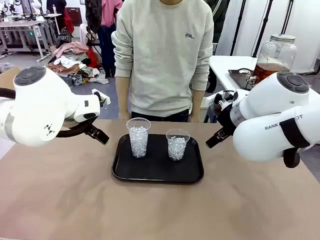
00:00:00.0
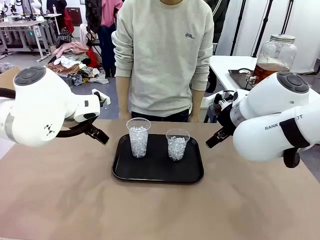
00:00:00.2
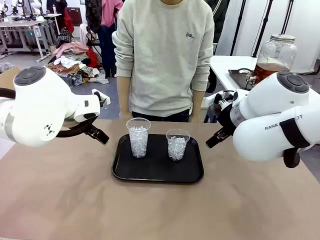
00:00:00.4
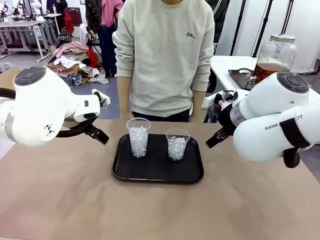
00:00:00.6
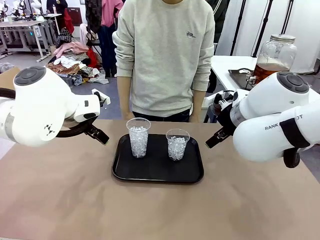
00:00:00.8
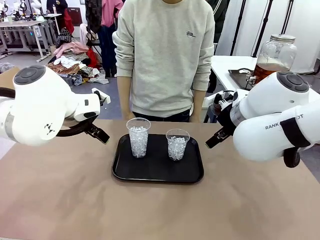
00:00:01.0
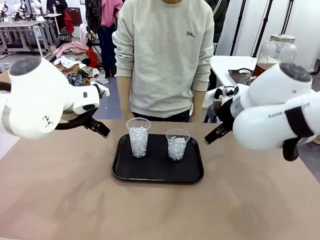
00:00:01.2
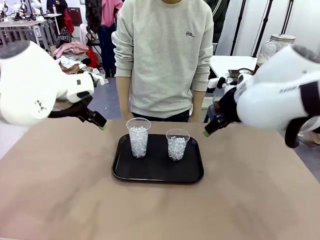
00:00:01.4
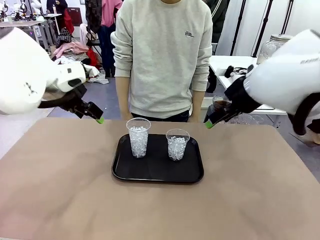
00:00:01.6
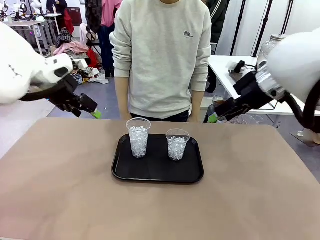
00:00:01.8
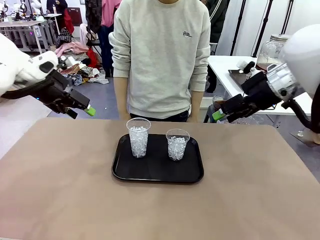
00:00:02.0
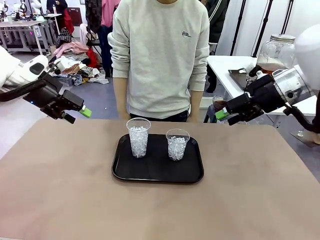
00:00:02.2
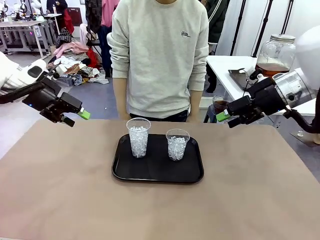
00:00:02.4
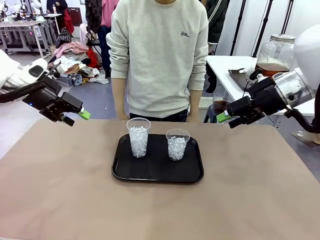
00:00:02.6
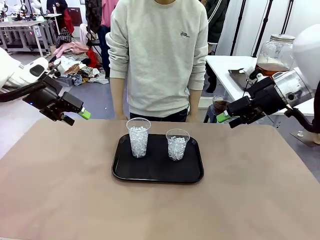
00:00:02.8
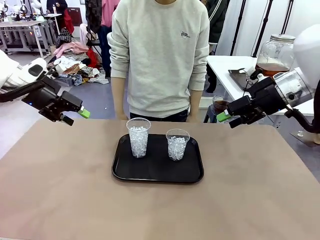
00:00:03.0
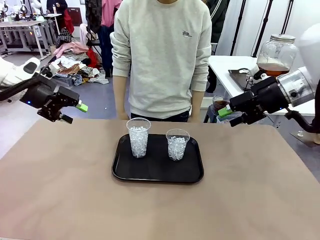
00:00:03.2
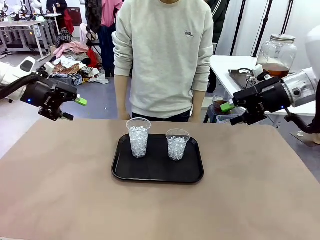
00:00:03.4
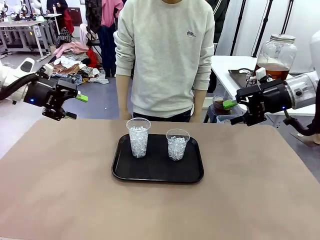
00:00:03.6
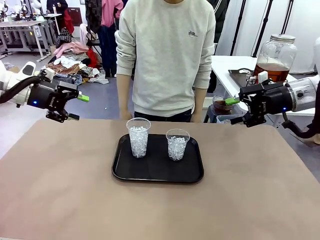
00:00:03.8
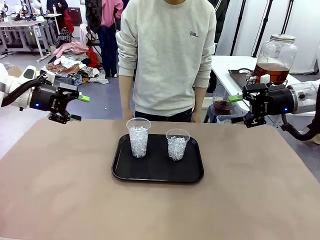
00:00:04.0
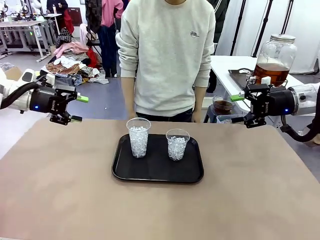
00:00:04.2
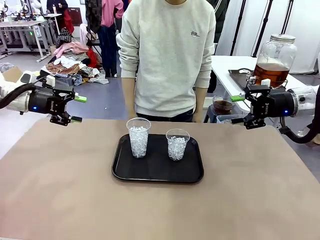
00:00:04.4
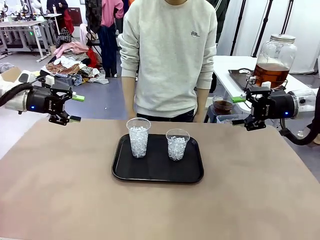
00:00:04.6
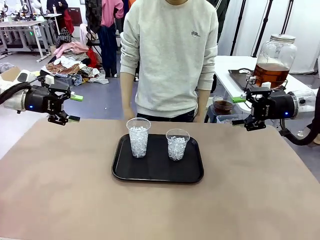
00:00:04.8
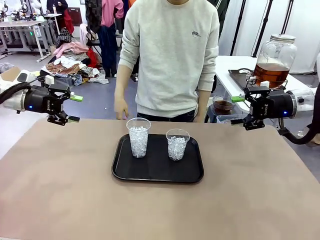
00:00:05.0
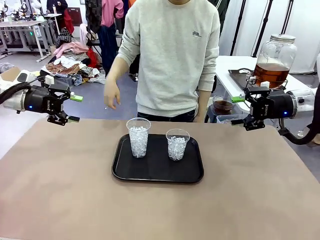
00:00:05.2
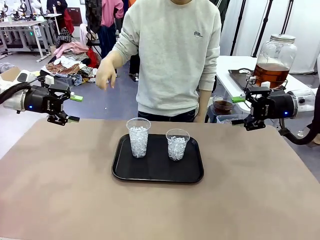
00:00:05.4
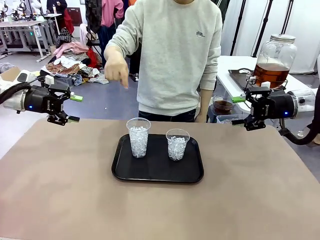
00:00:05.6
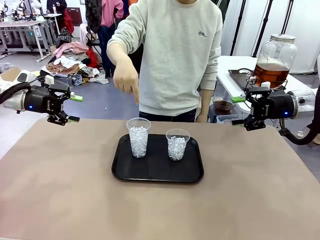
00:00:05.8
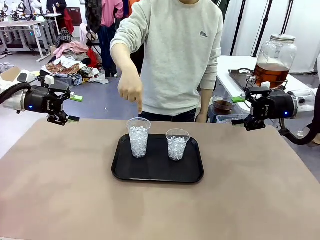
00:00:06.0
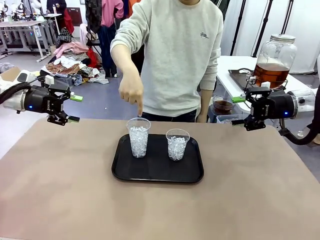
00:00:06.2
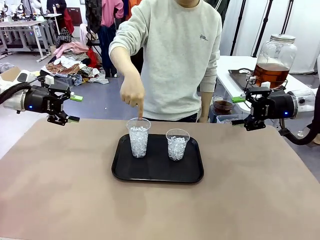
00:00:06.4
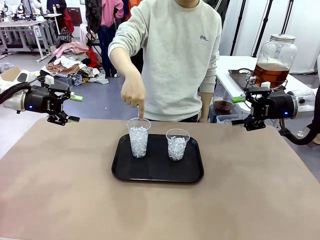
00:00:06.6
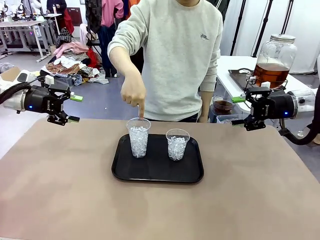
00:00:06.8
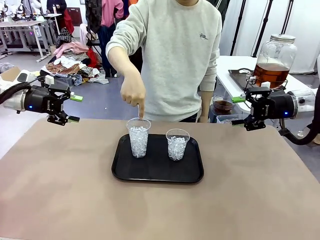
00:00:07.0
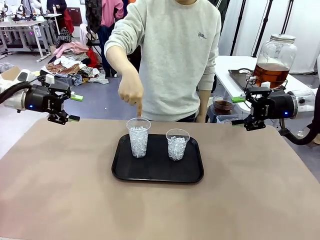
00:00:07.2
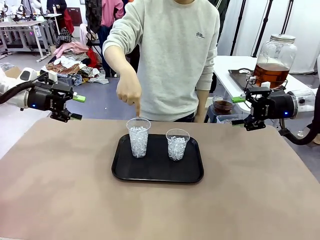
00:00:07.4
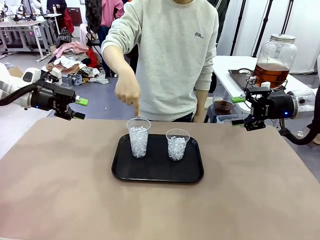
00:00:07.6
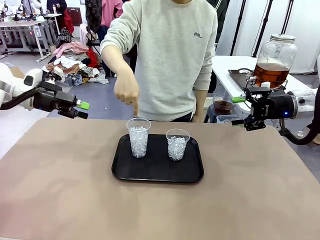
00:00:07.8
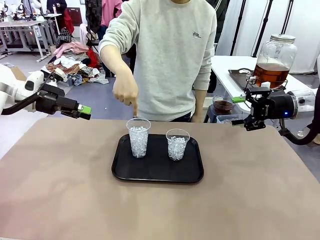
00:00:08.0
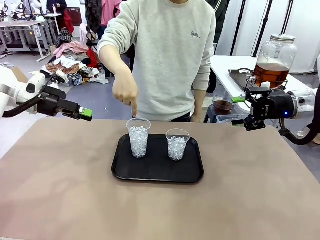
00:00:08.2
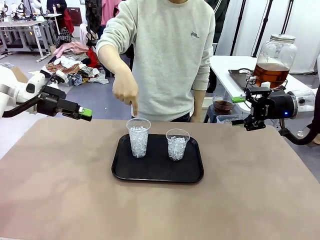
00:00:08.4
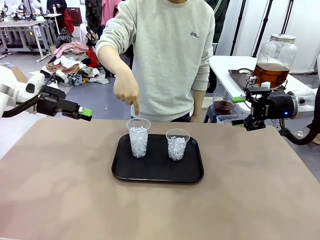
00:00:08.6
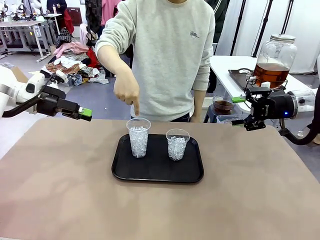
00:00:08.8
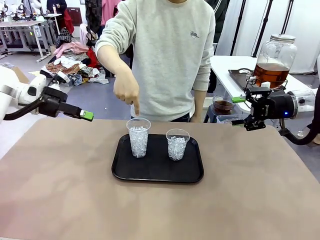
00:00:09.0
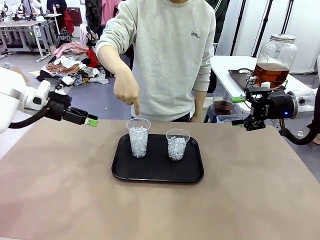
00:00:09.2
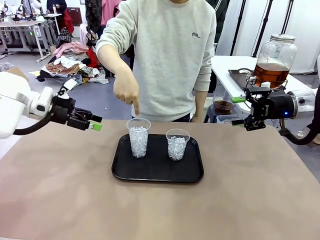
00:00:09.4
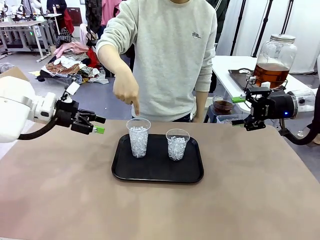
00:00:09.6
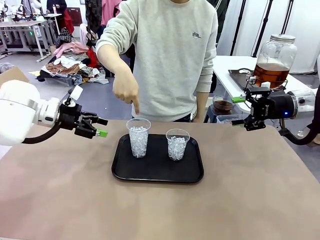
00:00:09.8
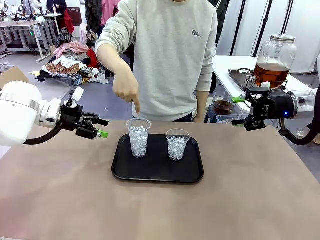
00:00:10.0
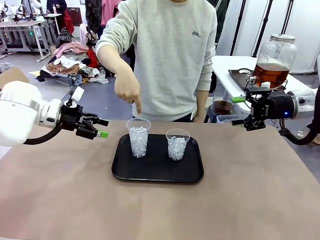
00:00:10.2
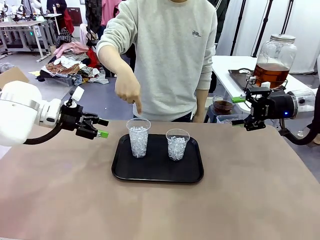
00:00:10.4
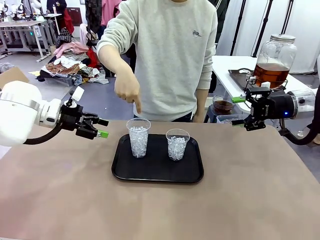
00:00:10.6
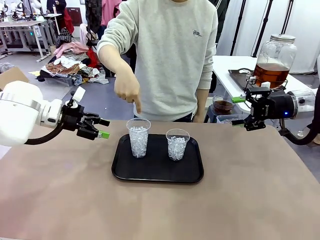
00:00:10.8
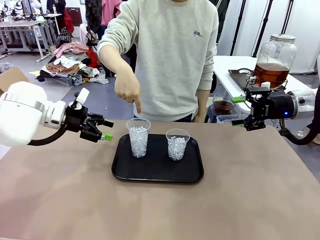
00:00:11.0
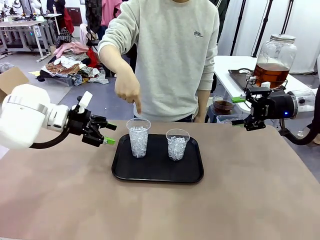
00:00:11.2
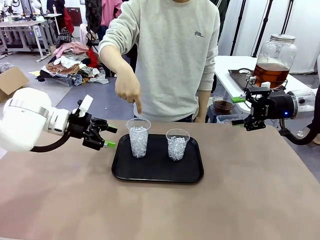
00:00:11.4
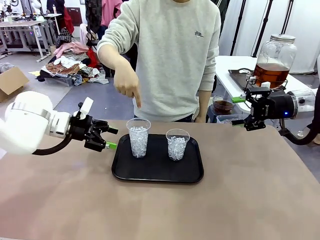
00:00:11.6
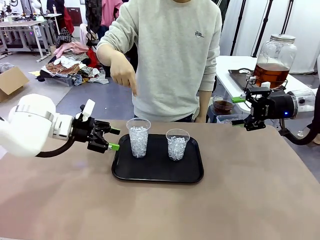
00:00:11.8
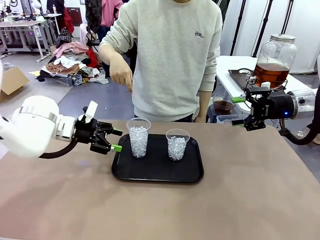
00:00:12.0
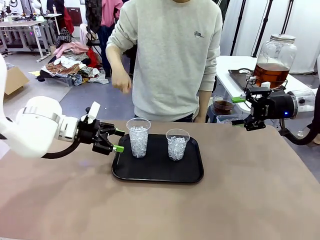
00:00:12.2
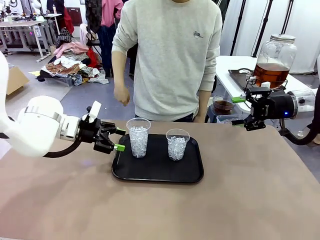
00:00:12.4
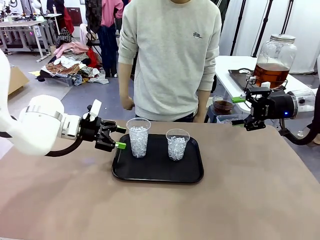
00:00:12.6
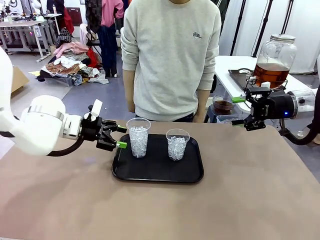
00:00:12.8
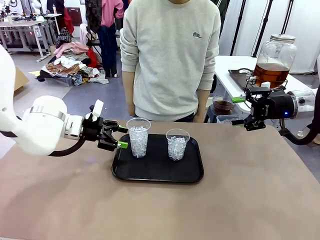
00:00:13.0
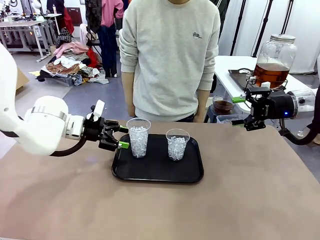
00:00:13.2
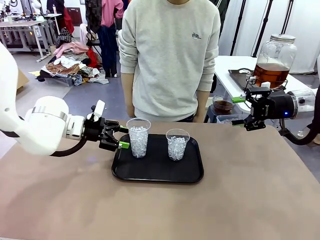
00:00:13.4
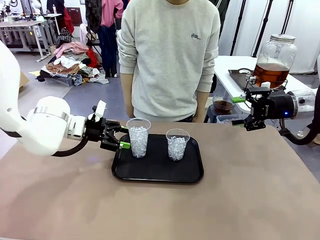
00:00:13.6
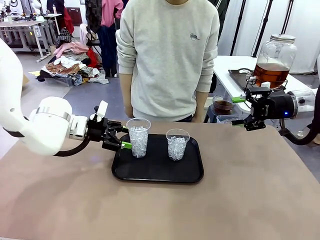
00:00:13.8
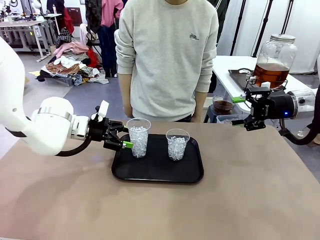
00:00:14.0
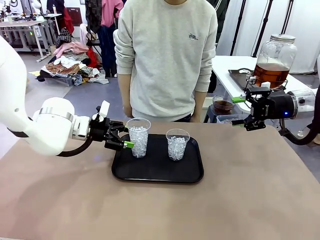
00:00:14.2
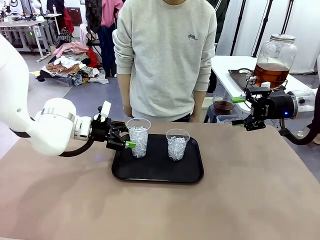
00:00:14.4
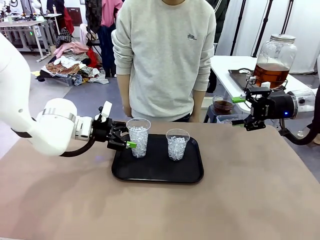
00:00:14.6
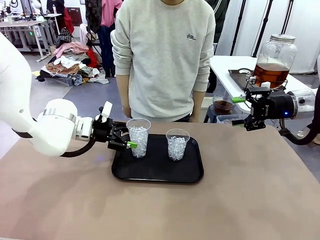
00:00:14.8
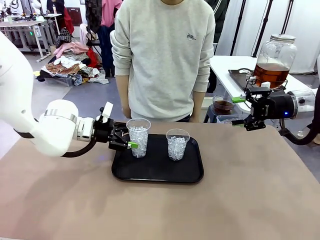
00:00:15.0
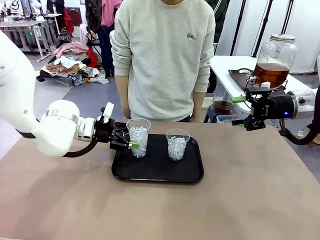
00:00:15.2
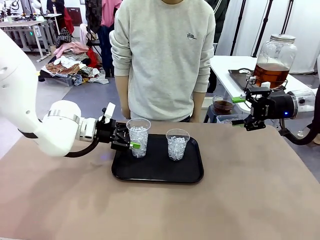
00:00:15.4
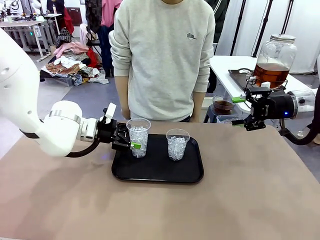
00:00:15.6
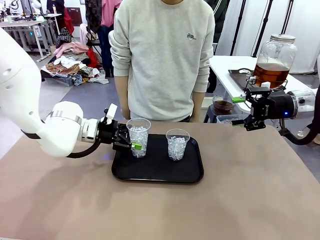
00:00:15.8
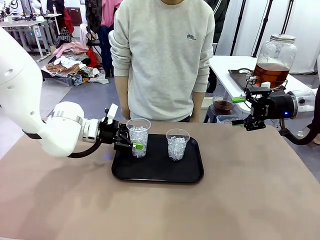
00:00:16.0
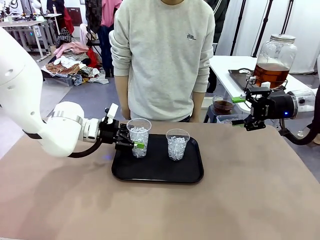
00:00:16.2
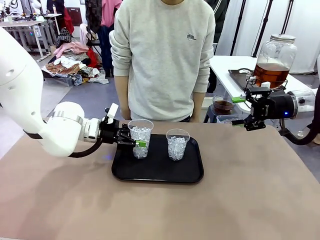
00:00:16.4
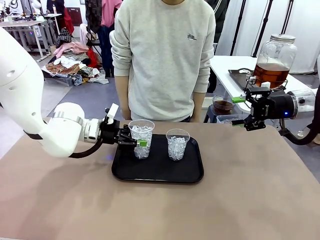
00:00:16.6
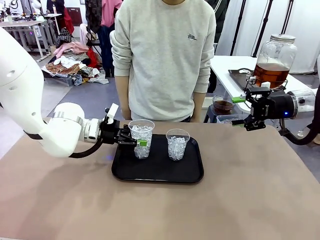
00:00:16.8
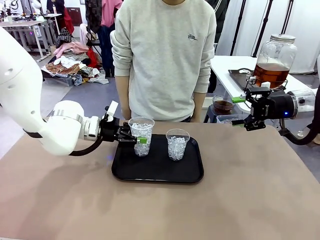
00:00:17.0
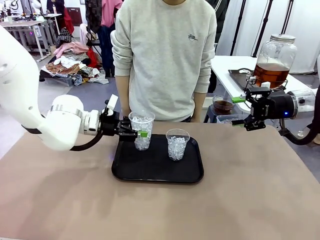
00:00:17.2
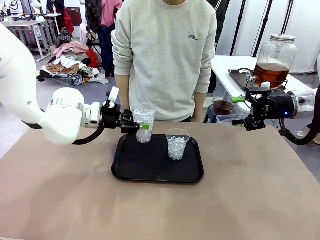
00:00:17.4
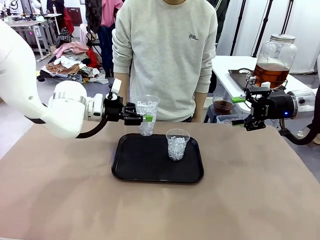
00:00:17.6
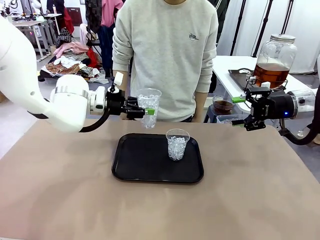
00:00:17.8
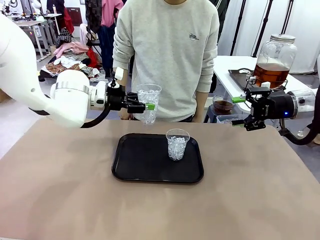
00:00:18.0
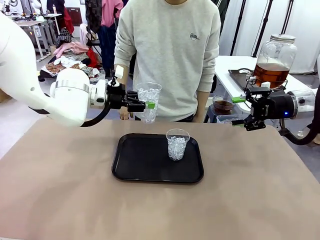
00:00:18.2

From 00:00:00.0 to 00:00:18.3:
Task: Pour the drink into the iced cup.
Robot: Pick up the iced cup indicated by the human and present it to them.
Person: Point to one of the two ice cups. Pick up the cup offered by the robot.

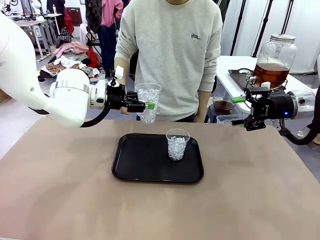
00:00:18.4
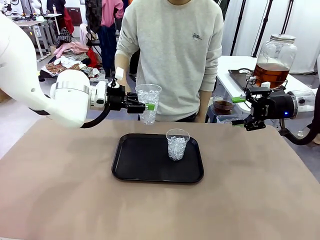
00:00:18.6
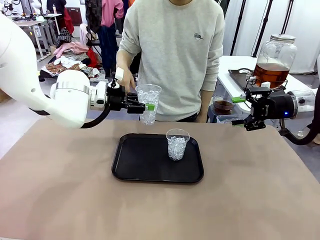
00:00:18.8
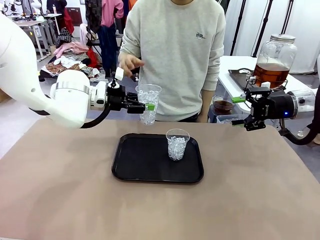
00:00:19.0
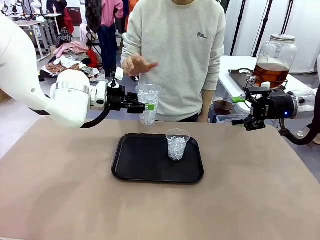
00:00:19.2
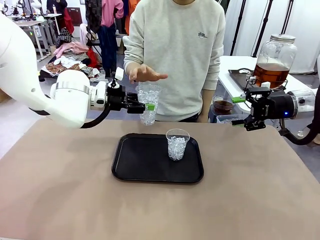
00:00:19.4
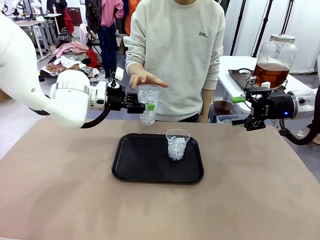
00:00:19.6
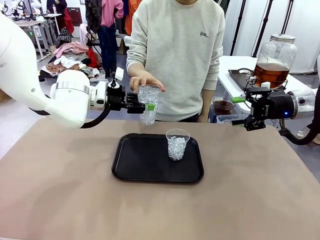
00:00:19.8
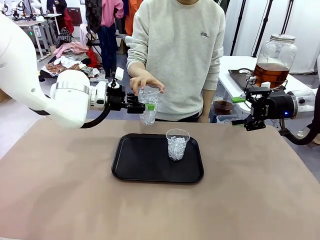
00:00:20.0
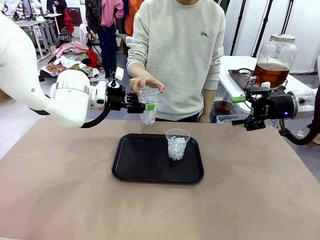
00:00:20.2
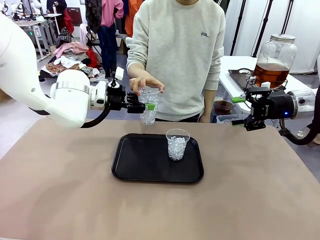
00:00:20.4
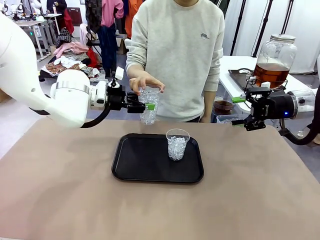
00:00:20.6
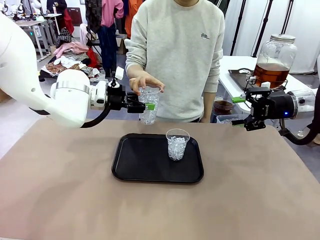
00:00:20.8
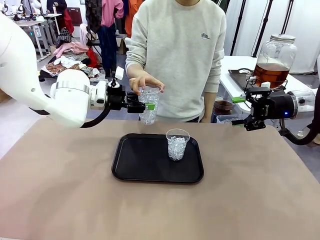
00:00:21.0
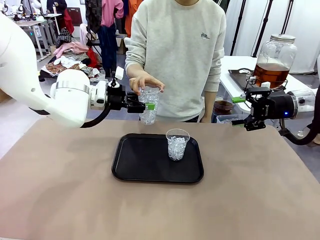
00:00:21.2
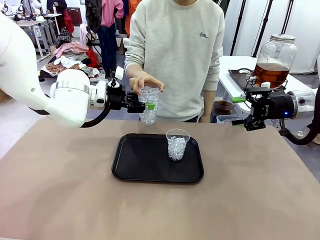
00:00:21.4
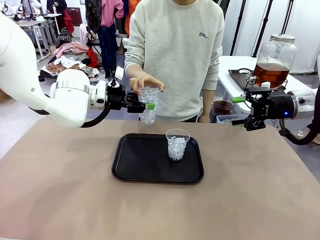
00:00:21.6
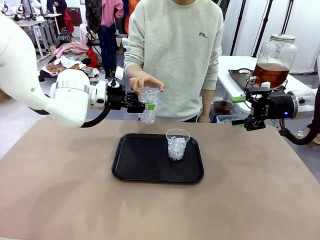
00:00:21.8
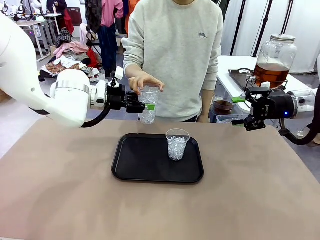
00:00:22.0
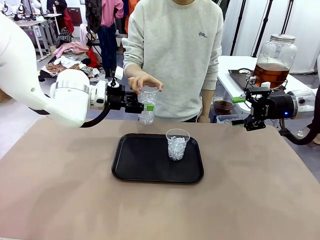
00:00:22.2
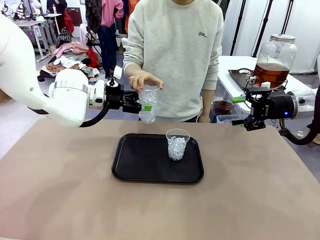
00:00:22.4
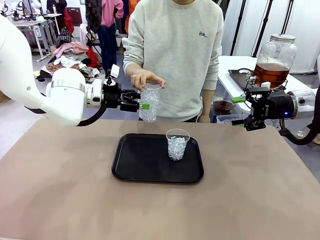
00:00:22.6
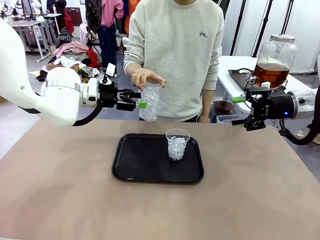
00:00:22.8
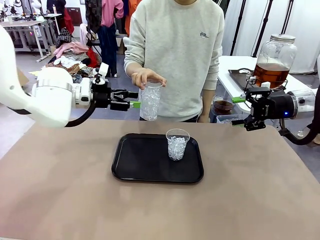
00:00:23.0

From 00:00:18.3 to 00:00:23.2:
Robot: Open the gripper to release the iced cup you were holding.
